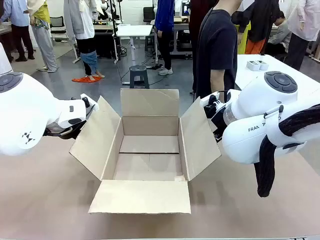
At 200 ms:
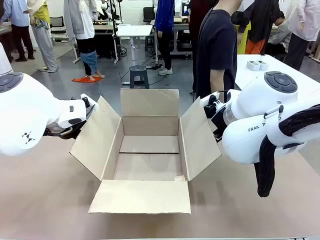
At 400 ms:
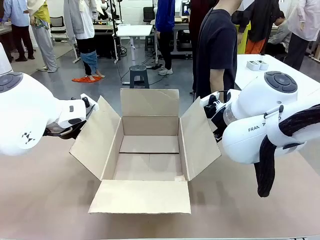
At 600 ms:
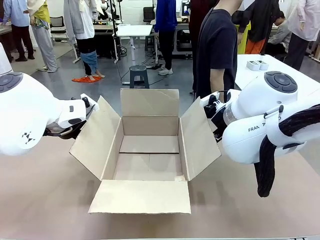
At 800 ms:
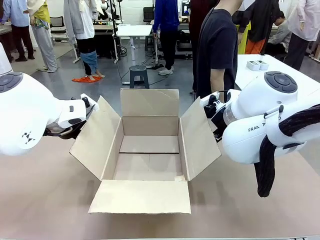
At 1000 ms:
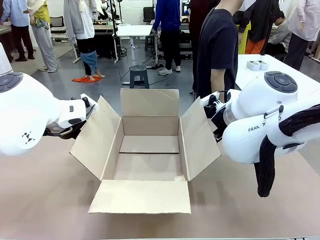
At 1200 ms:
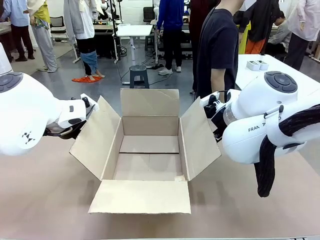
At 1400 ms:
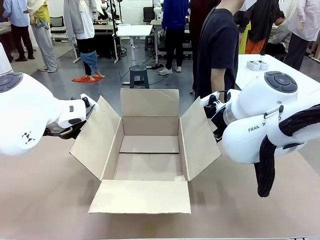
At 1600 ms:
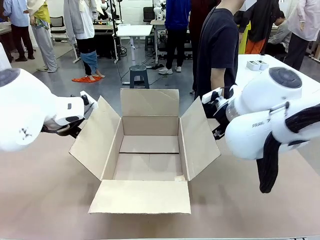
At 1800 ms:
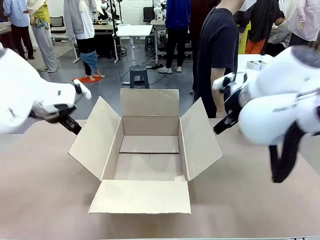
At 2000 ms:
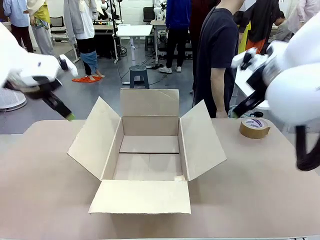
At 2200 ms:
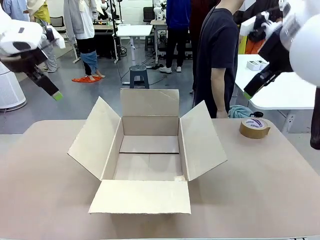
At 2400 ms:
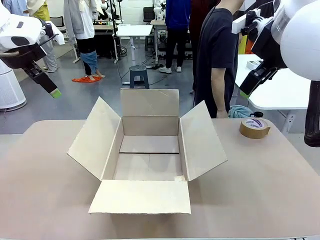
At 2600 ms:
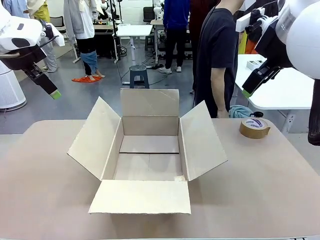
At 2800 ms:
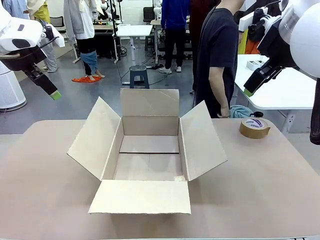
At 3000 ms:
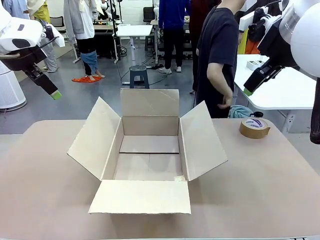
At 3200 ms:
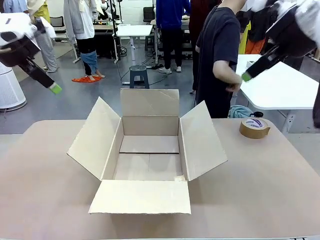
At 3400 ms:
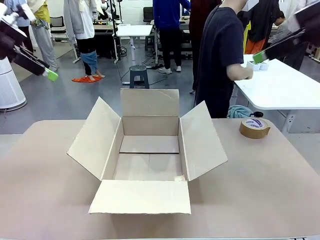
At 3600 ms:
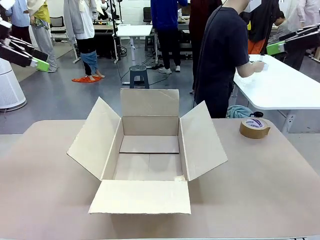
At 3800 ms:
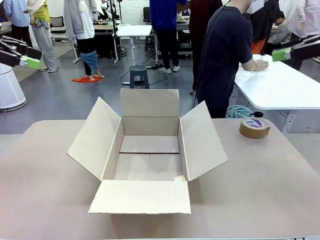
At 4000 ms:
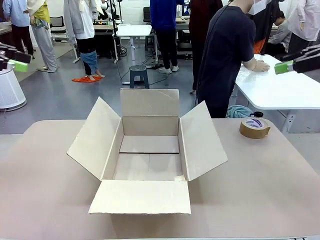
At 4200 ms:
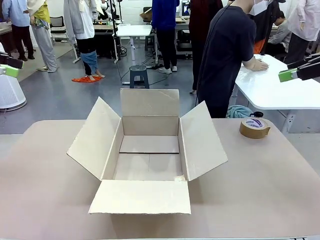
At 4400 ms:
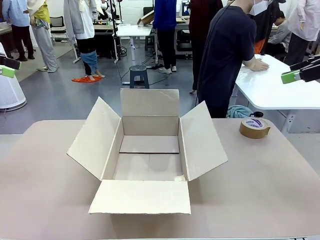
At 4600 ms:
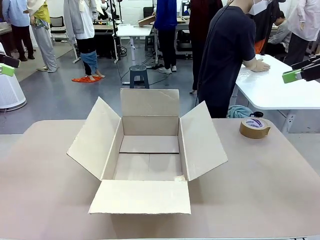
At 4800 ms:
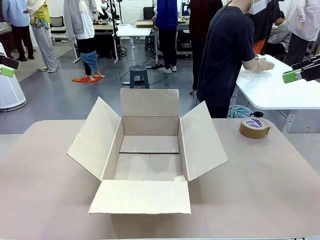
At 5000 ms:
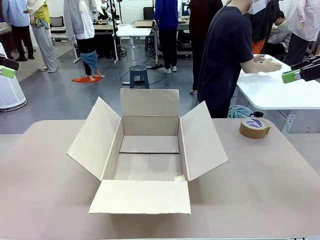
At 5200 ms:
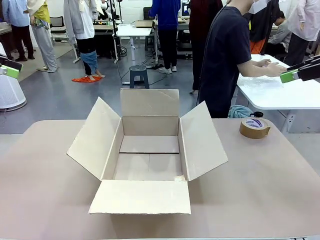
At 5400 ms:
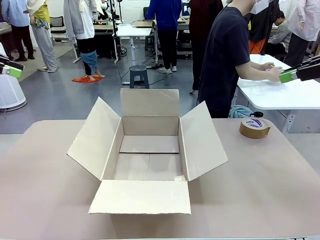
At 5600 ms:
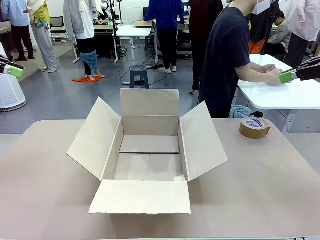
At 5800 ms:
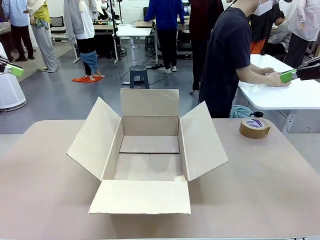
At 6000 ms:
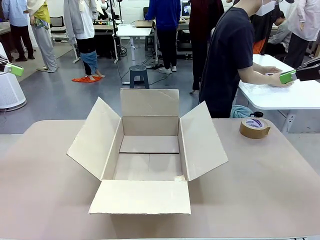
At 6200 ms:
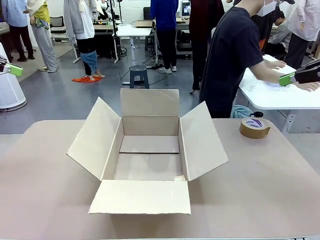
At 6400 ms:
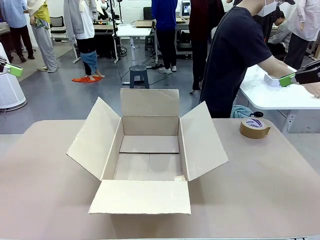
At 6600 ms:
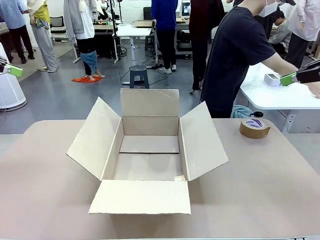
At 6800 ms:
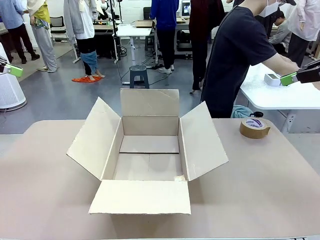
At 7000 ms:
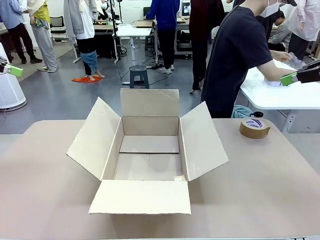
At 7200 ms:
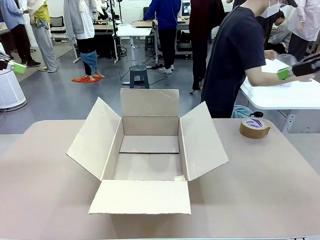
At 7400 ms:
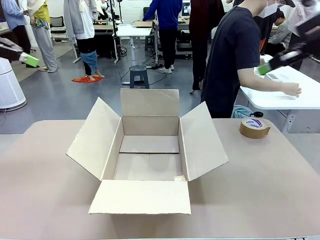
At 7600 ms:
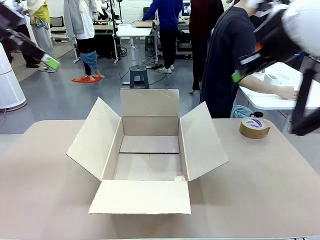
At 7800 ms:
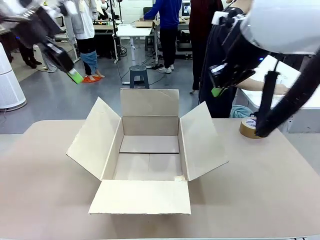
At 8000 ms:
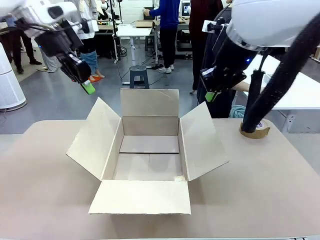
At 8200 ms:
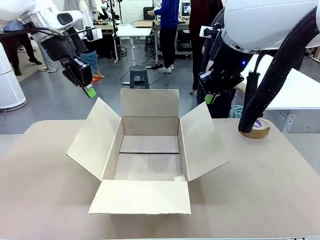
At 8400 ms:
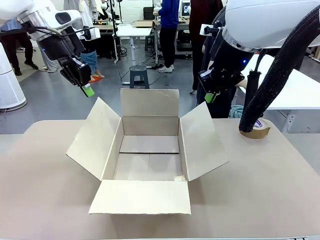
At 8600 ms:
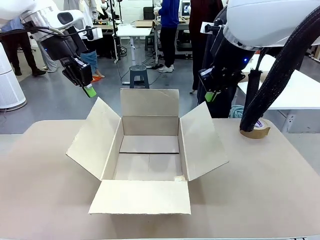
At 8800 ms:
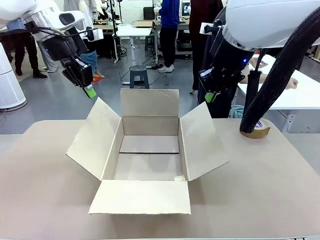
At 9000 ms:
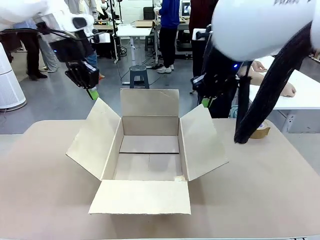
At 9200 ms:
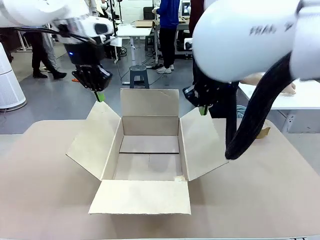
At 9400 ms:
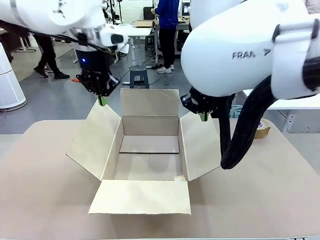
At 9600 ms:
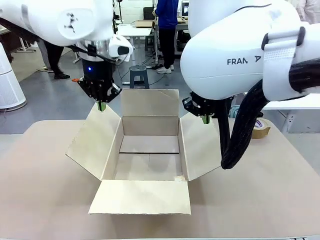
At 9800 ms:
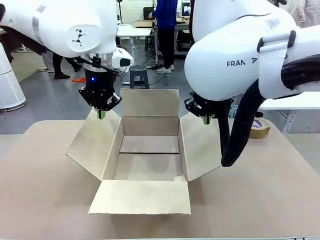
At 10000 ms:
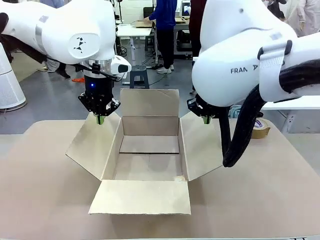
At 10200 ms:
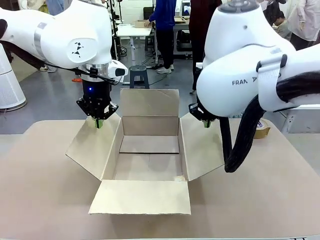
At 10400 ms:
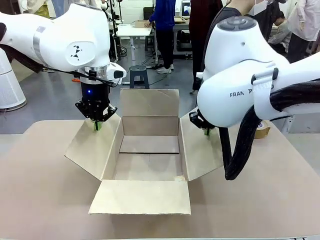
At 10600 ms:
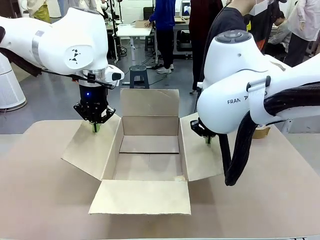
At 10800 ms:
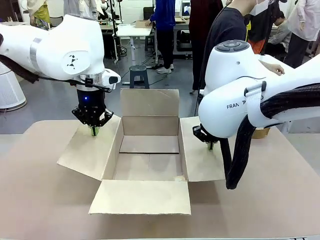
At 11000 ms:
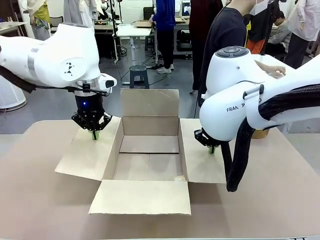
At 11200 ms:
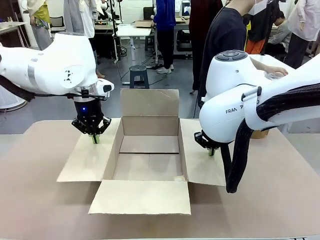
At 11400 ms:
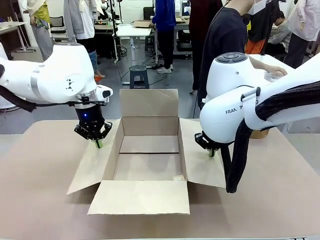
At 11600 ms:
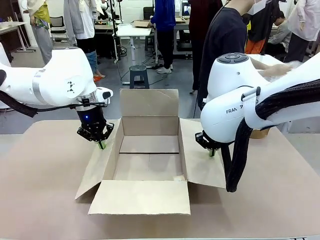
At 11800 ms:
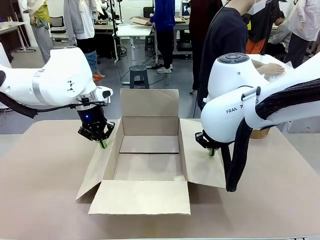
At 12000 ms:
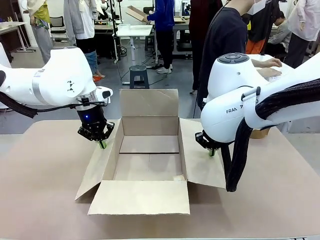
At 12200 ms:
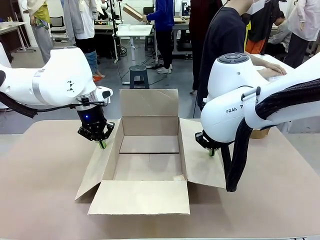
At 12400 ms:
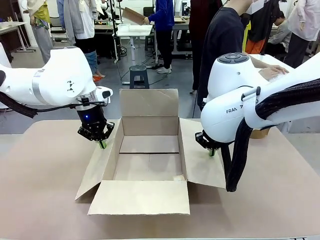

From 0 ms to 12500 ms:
Task: Wrap the clocks to prevent damage.
Robot: Open the side flaps of the Package Box.
Person: Wrap the two Digital clocks with Bubble Wrap.

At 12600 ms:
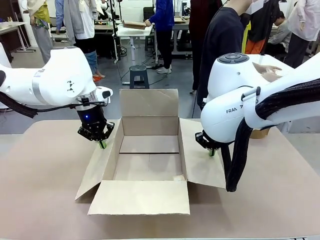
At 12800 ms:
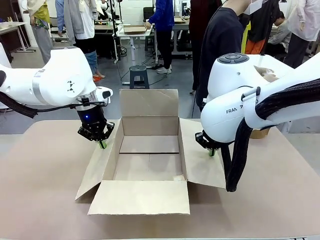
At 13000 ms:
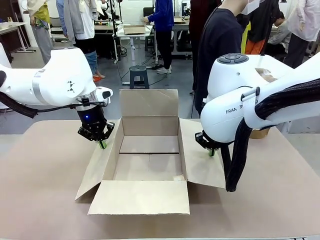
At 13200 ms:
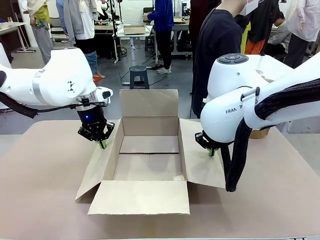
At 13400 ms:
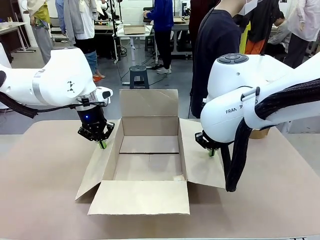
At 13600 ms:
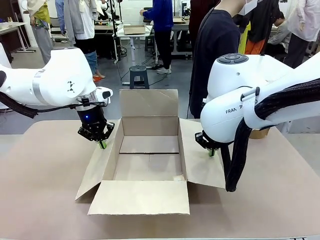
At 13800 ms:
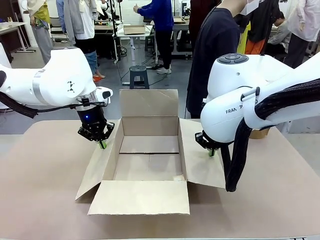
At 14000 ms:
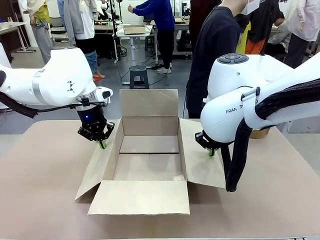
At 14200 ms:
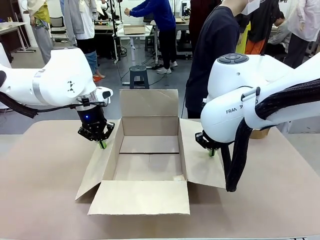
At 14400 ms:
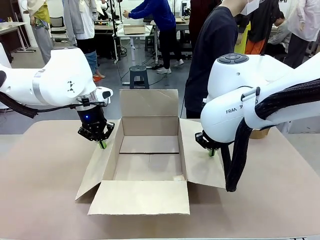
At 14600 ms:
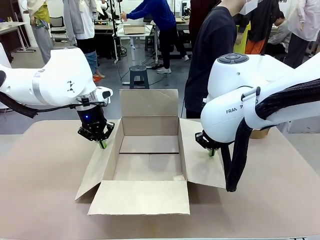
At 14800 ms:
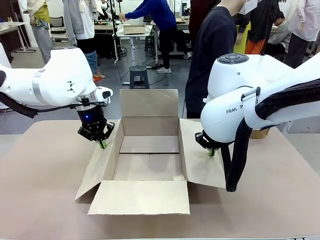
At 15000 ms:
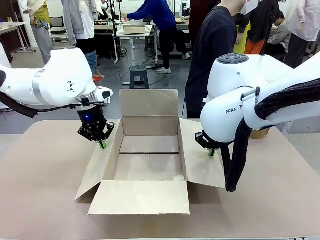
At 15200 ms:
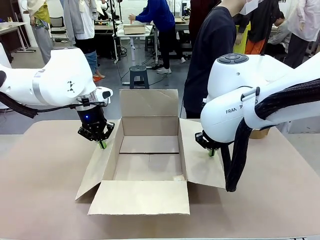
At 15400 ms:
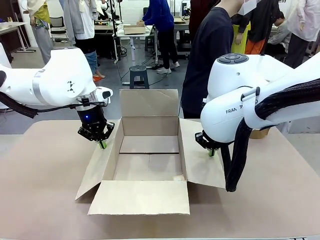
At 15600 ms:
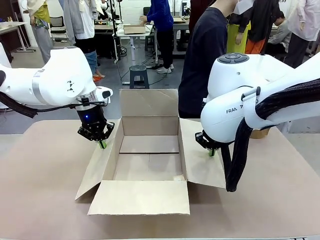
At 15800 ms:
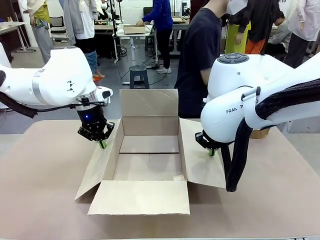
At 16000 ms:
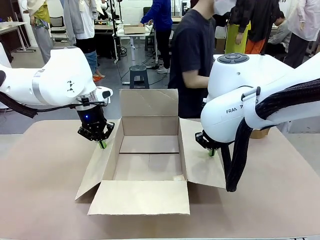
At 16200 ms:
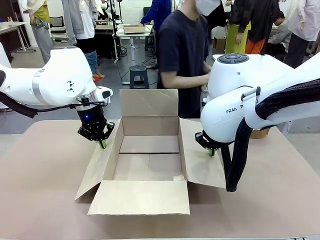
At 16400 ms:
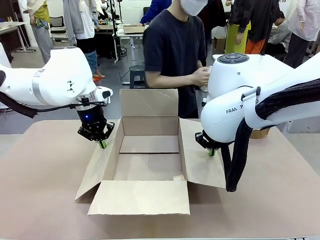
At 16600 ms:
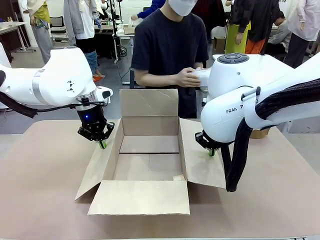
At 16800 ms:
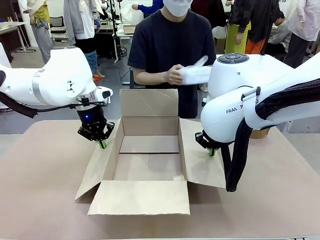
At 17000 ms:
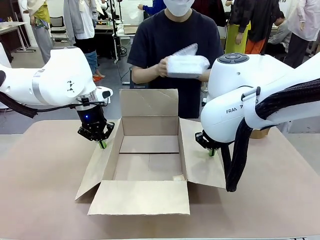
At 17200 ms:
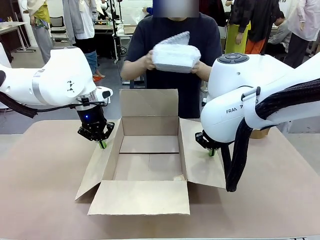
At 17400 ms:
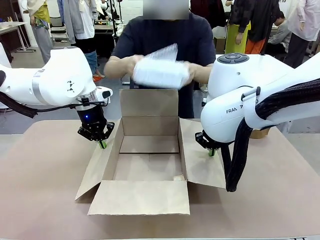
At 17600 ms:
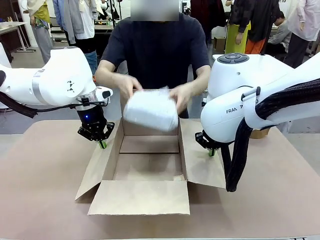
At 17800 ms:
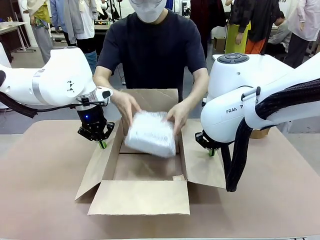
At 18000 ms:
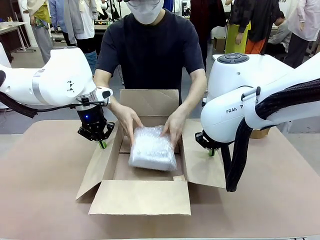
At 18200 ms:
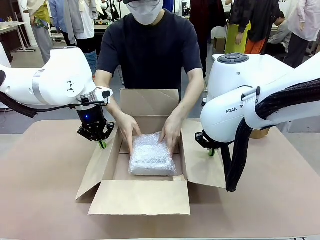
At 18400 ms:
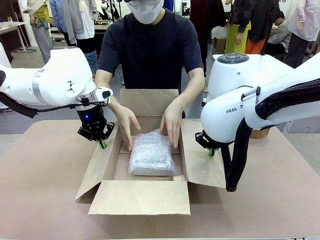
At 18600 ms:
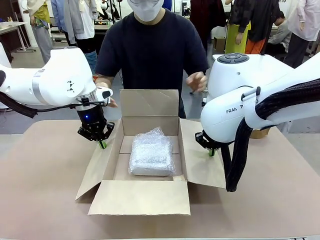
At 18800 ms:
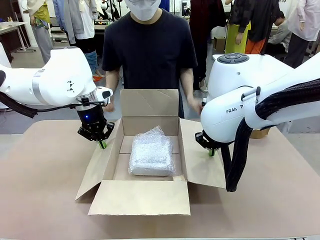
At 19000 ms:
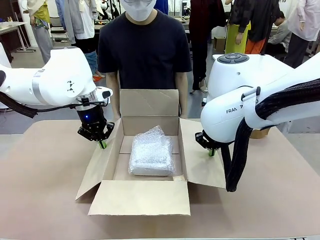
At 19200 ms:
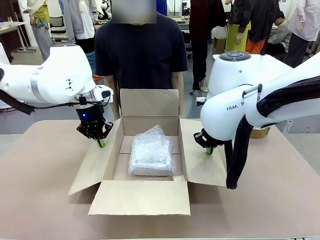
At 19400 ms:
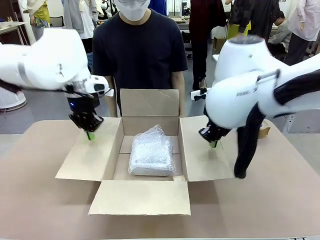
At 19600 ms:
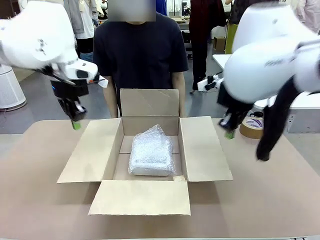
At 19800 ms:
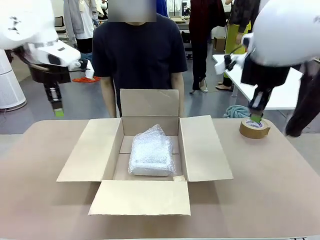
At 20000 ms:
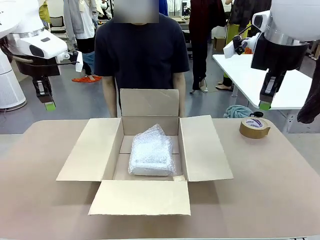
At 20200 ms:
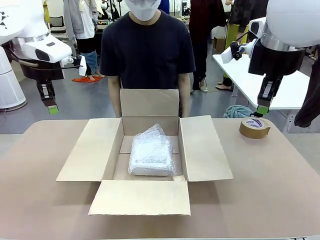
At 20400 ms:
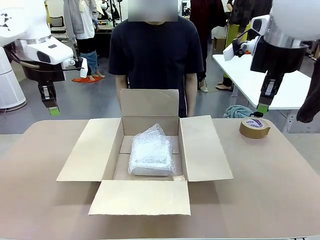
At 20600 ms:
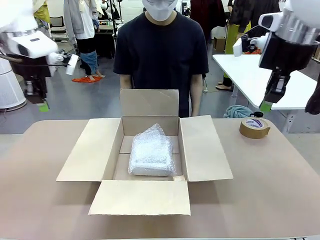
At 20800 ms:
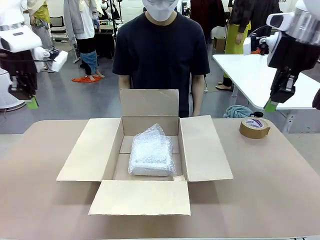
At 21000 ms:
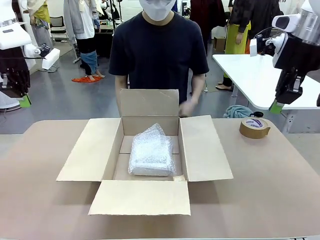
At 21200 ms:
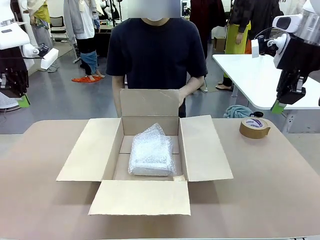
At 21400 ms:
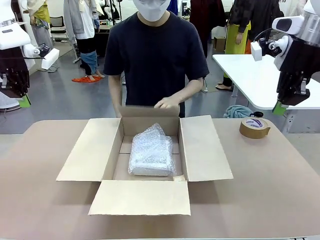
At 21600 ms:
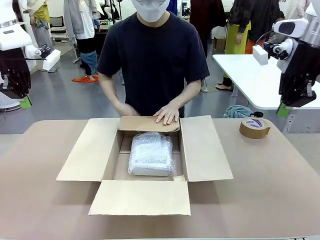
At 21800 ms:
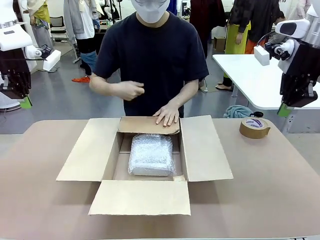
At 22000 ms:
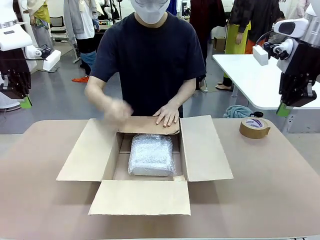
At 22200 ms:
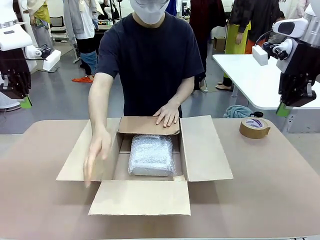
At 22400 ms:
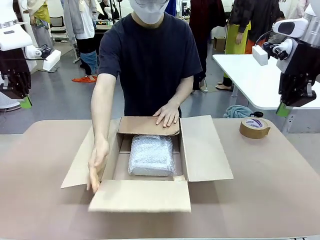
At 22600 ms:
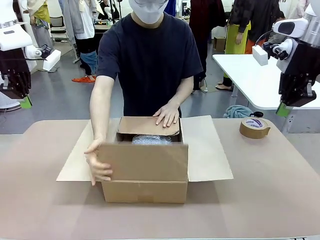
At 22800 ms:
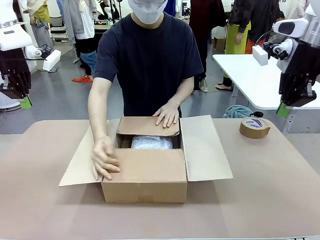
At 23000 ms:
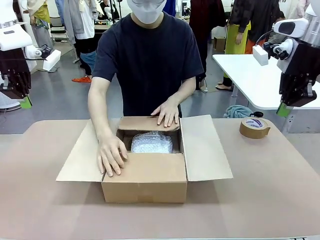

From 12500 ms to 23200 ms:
Robot: Once the human has placed the objects inside and stepped back, release both hands from the side flaps of the Package Box.
Person: Place the wrapped Digital clocks inside the Package Box. Hold the top and bottom flaps of the Package Box closed with your left (or right) hand.
